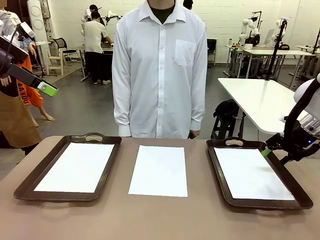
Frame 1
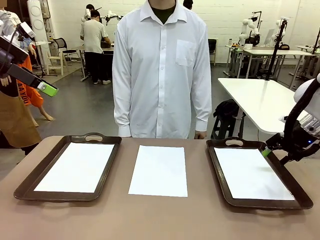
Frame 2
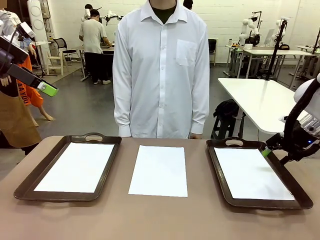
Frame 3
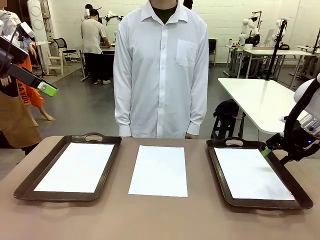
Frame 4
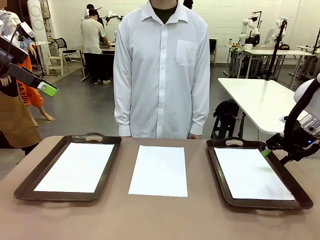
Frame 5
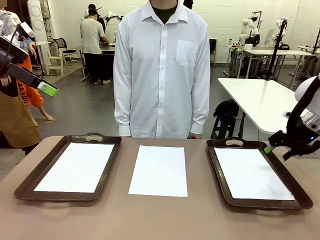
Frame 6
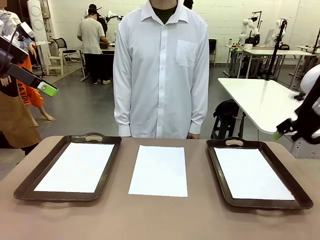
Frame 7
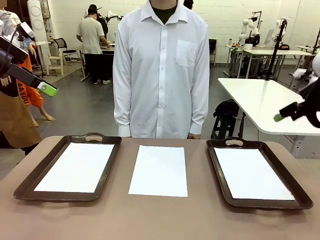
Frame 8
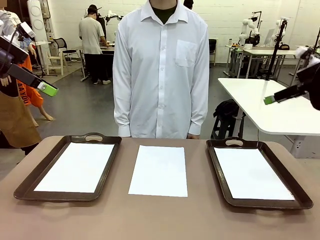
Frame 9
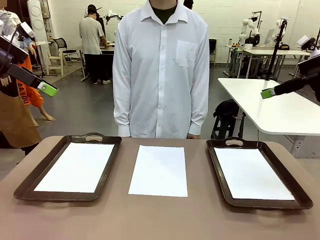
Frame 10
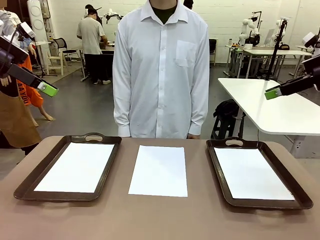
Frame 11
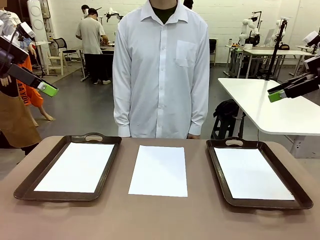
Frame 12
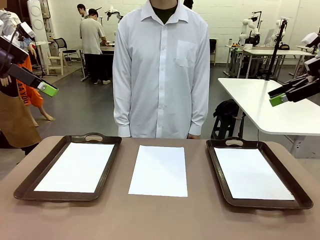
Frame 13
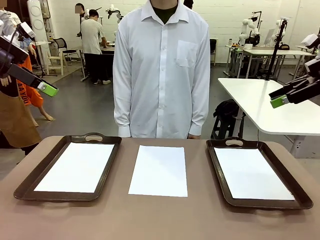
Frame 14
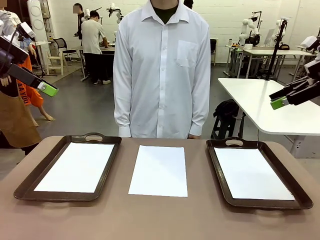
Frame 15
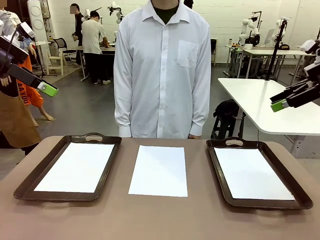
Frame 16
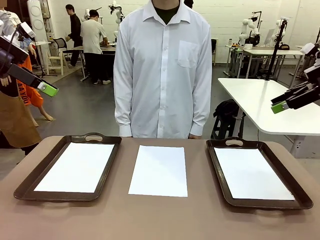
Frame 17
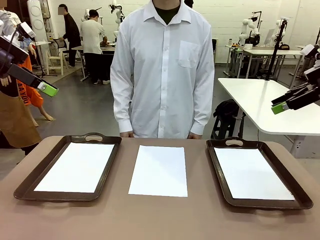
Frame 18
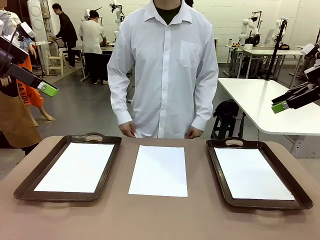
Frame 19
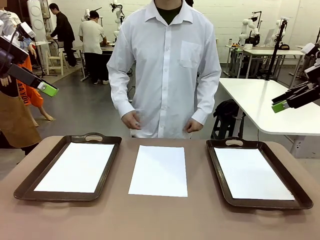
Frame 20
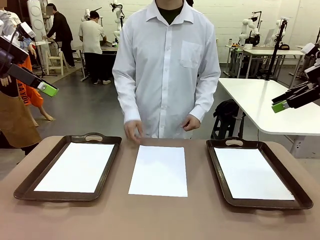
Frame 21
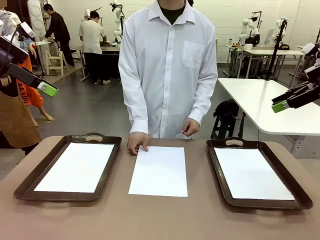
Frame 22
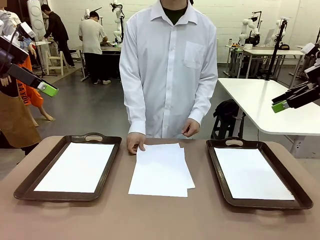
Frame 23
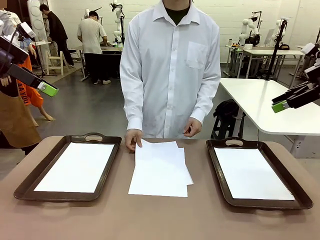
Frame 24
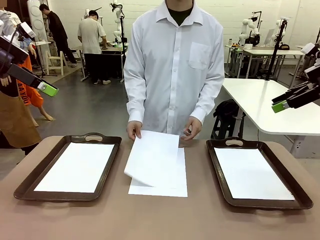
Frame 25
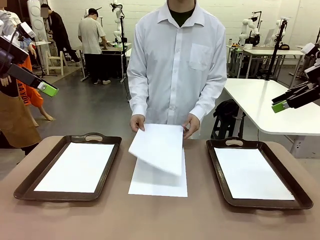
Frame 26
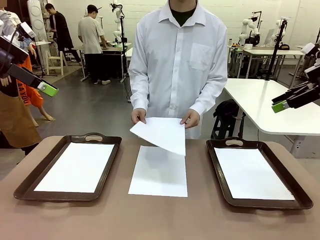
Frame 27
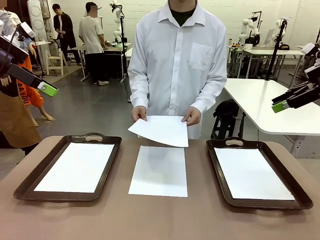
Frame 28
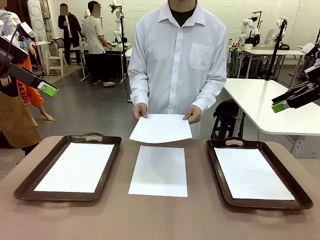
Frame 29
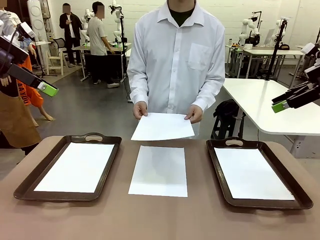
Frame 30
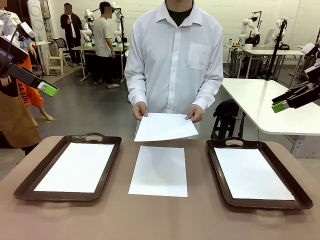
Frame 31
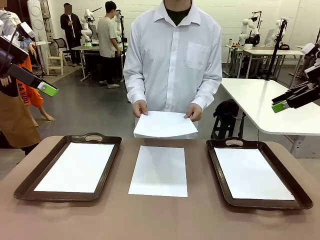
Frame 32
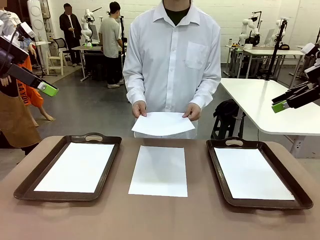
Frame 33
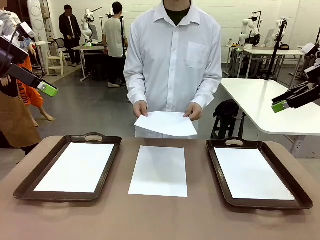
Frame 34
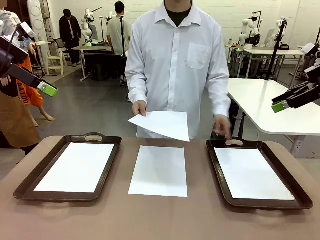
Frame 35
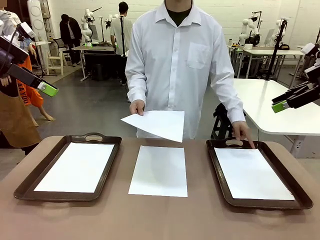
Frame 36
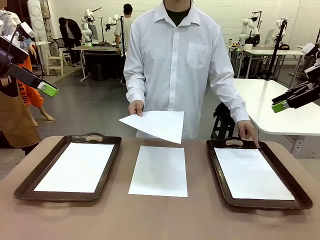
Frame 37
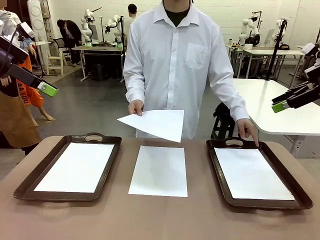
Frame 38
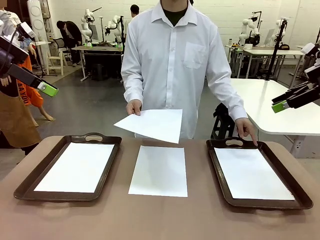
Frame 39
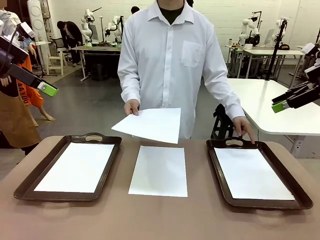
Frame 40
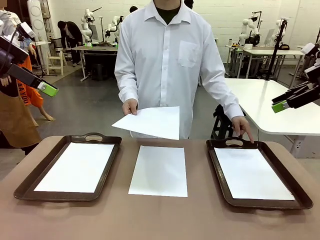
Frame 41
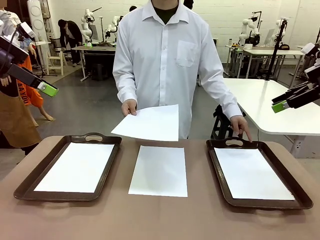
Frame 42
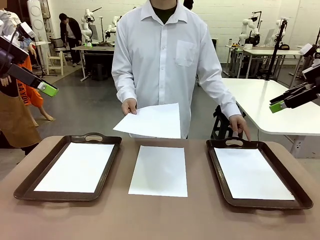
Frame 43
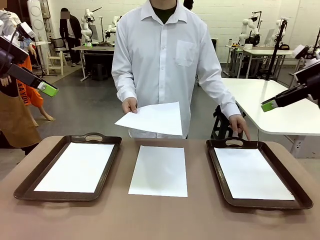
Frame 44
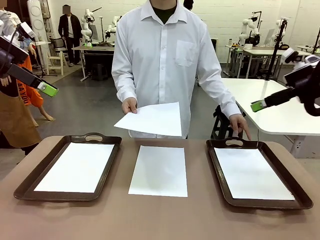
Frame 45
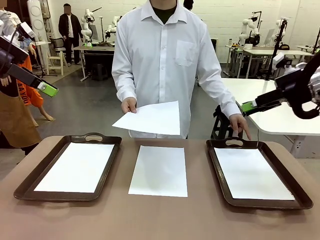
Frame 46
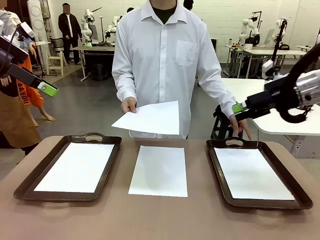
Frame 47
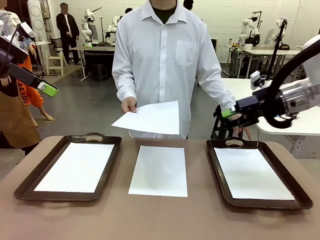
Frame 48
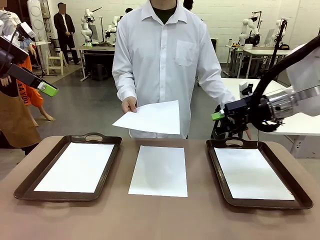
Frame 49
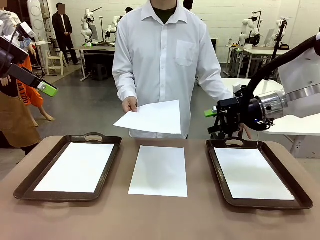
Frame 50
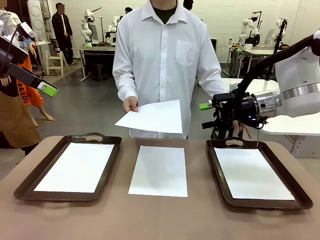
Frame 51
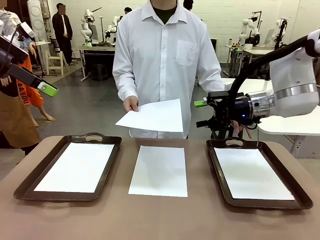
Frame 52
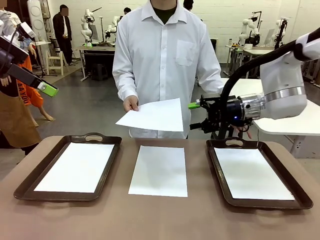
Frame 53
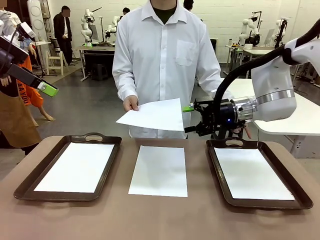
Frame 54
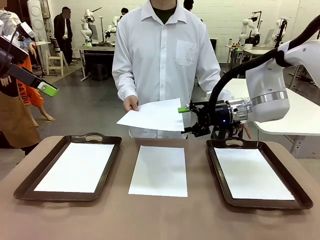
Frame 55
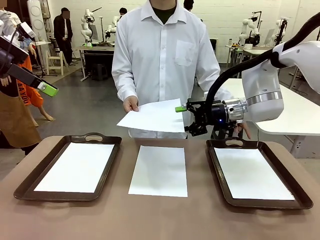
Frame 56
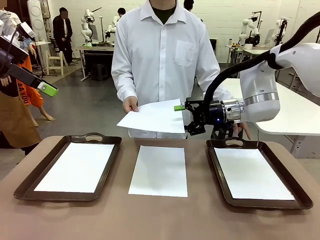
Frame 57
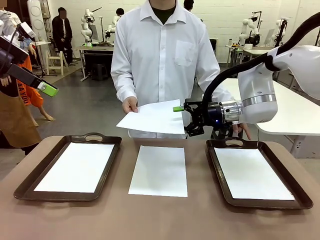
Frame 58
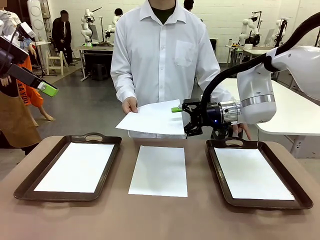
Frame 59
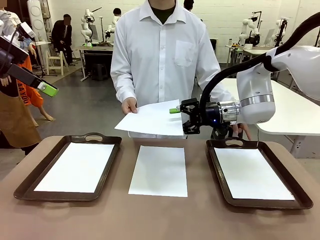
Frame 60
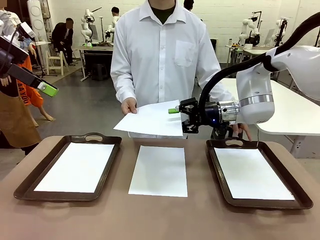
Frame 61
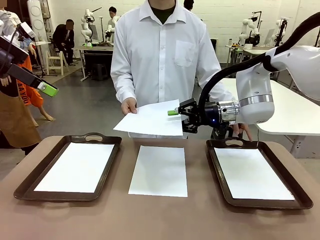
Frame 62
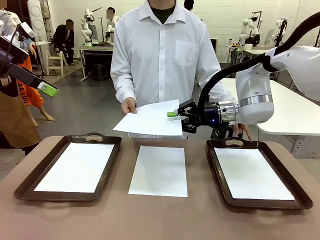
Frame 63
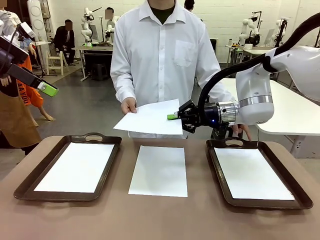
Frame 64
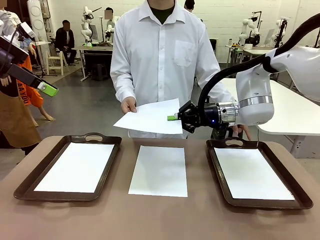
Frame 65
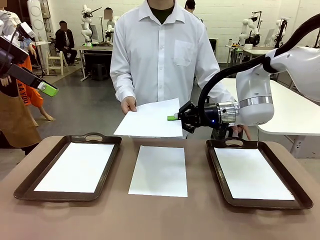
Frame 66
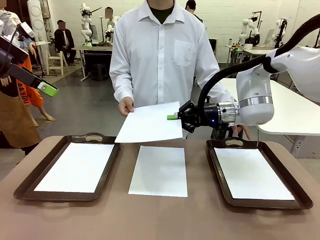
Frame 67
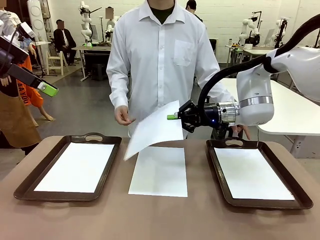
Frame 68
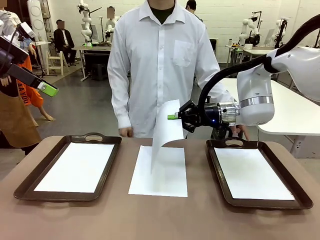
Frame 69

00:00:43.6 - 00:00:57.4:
Task: Sort the A4 documents.
Robot: Receive the A4 Paper.
Person: Point the randomly selected tray with the other hand.

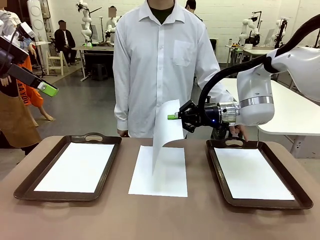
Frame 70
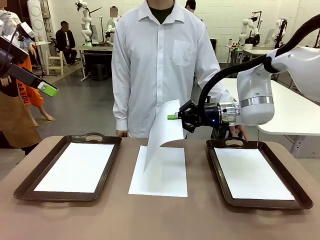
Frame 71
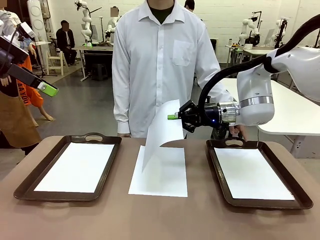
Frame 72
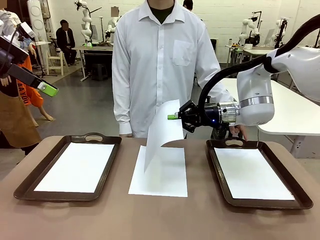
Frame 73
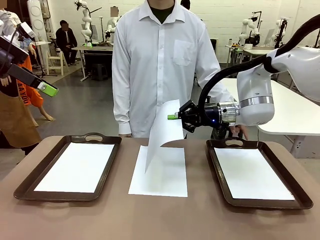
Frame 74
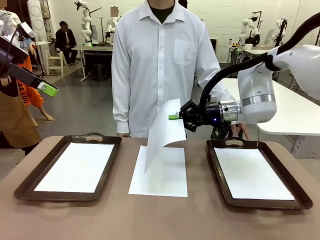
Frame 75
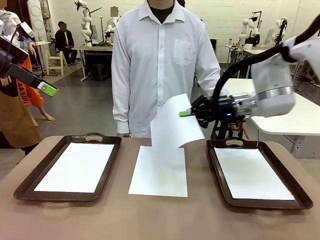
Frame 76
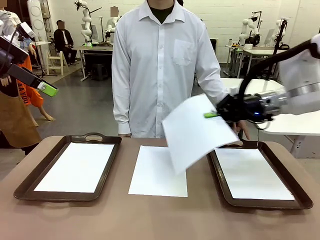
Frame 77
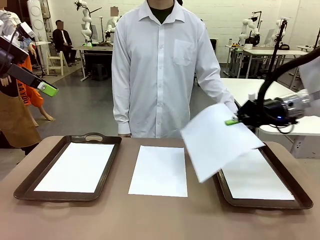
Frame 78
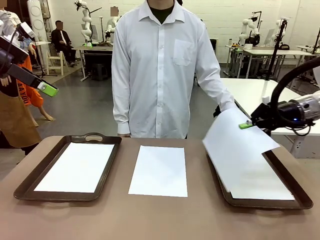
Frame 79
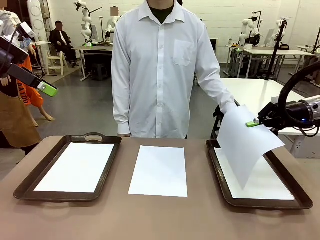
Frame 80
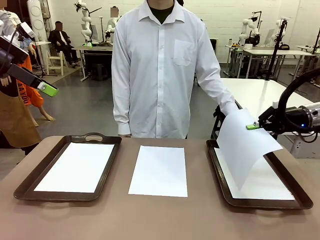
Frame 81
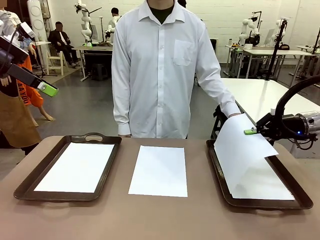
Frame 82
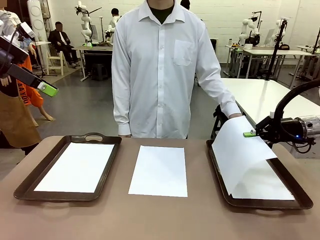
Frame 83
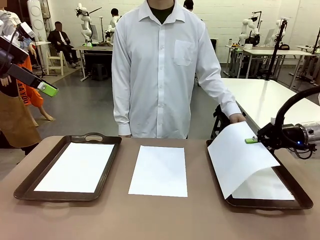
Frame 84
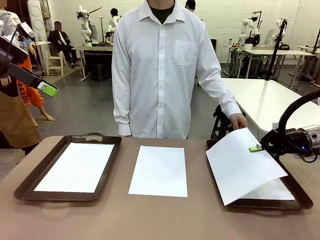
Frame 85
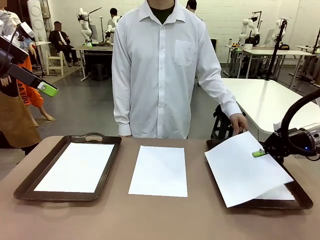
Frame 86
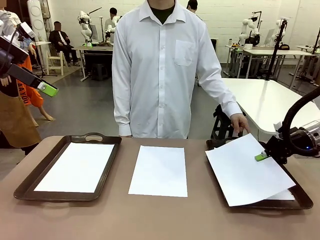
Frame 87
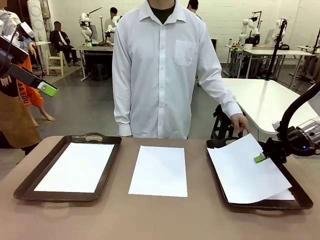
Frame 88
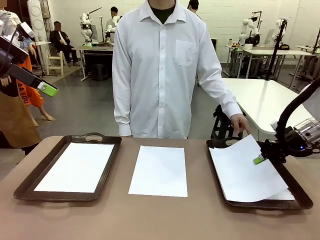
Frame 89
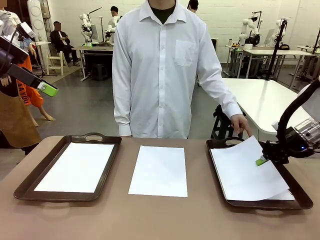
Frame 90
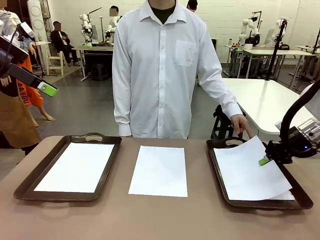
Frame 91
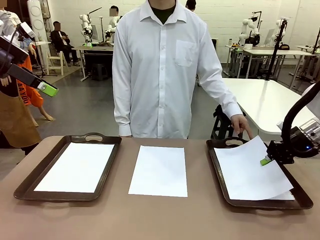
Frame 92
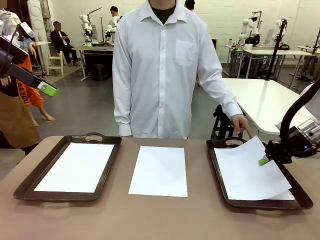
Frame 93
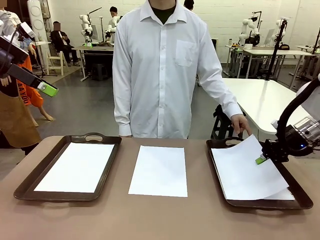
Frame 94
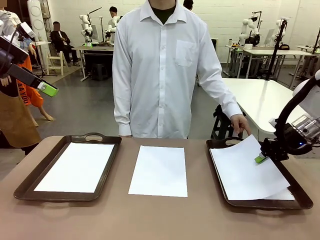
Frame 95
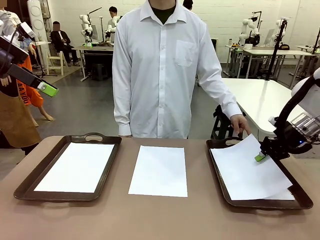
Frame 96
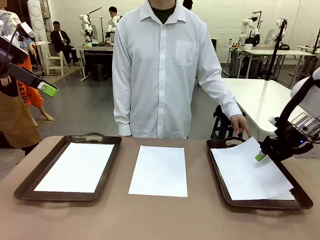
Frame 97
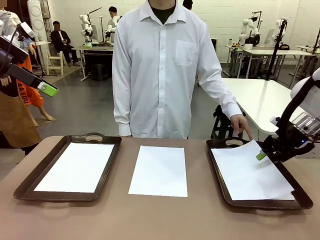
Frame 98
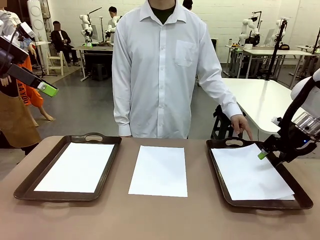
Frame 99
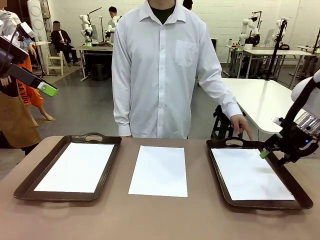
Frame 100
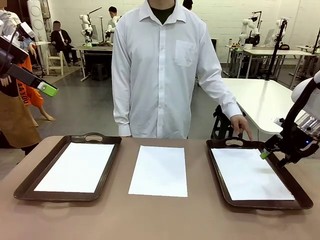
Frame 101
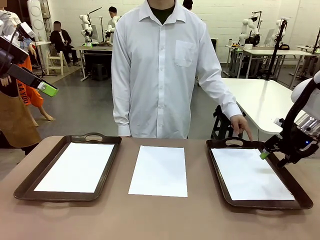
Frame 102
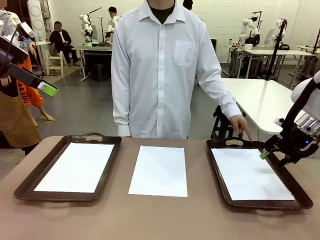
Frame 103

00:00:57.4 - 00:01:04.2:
Robot: Place the A4 Paper in the designated Handle tray.
